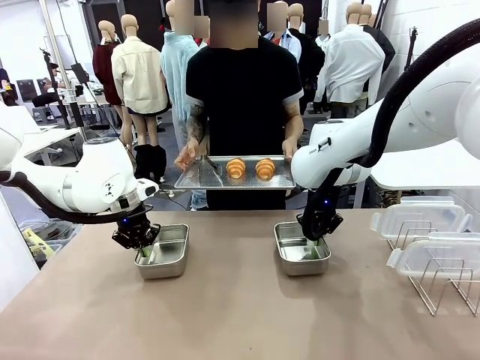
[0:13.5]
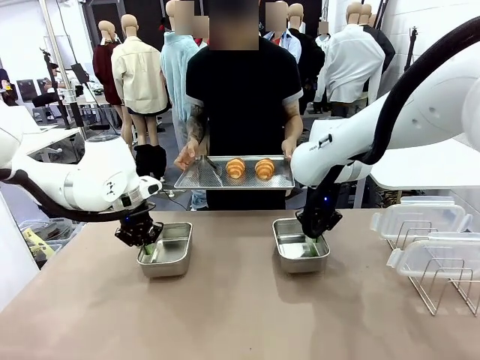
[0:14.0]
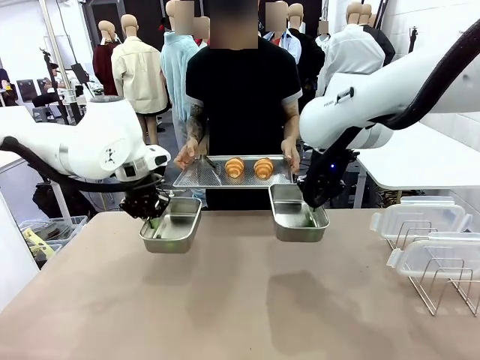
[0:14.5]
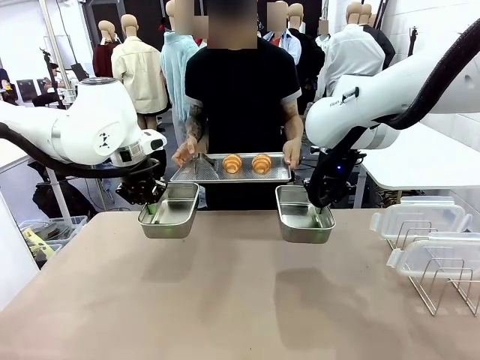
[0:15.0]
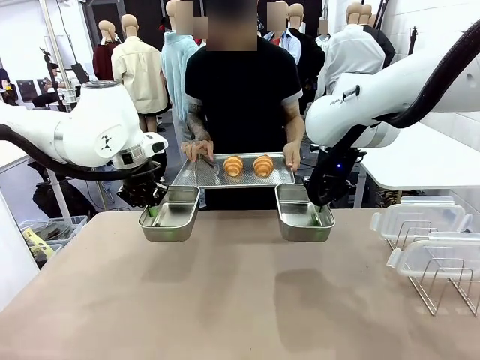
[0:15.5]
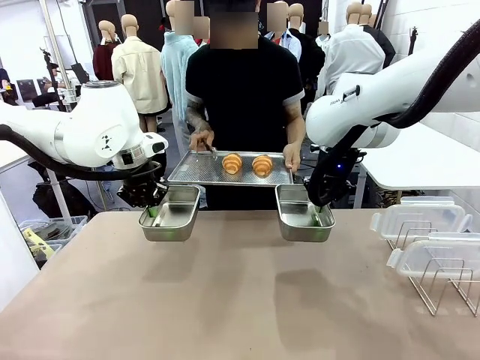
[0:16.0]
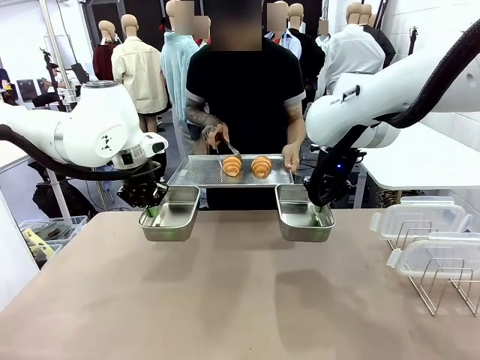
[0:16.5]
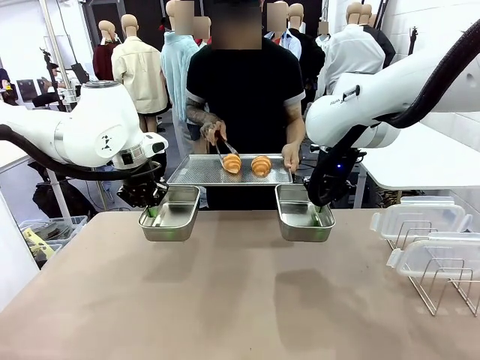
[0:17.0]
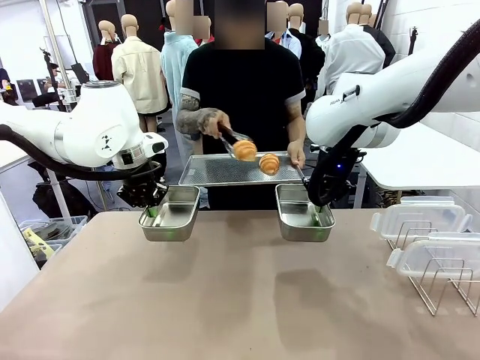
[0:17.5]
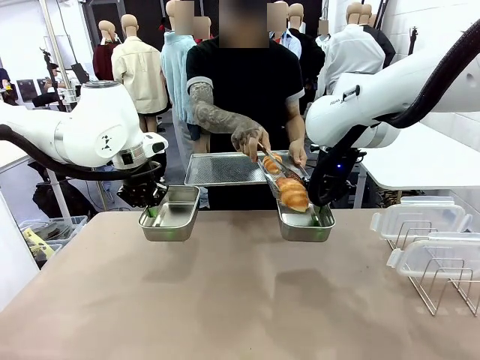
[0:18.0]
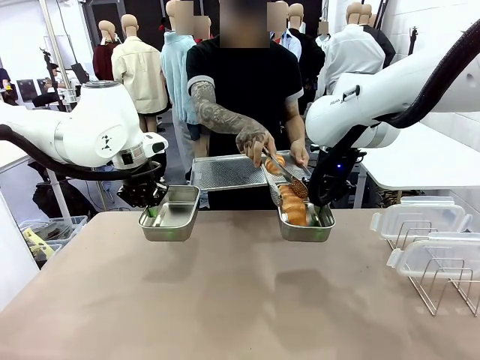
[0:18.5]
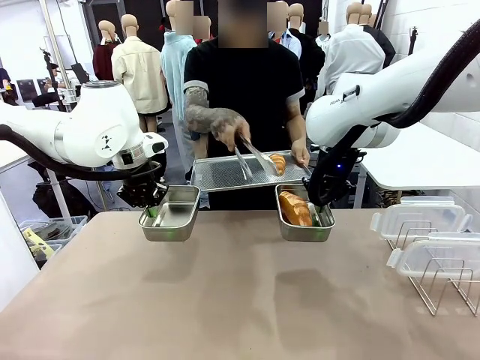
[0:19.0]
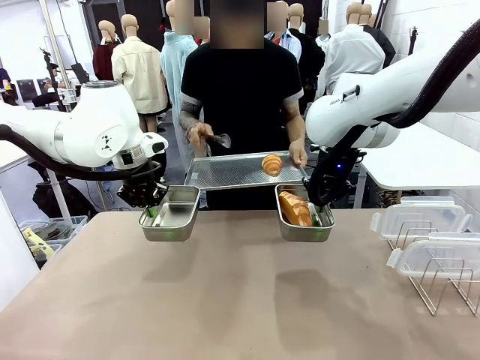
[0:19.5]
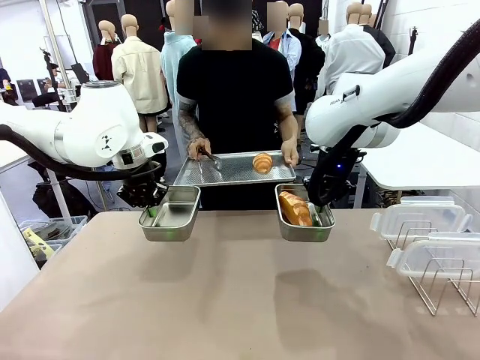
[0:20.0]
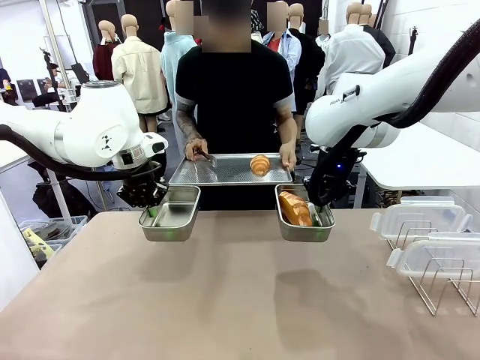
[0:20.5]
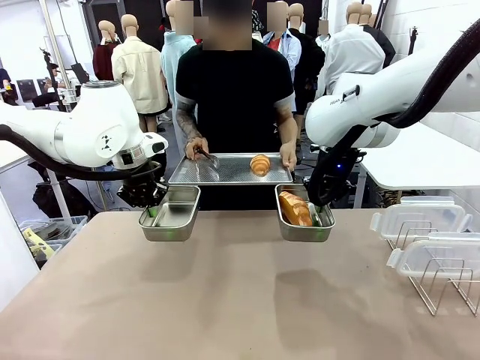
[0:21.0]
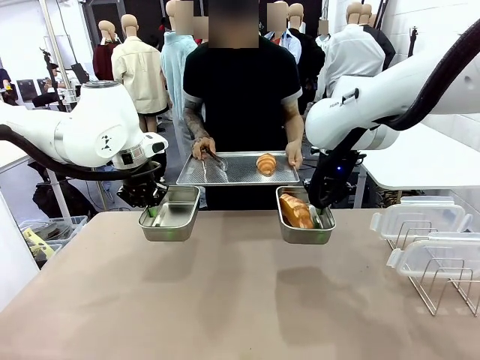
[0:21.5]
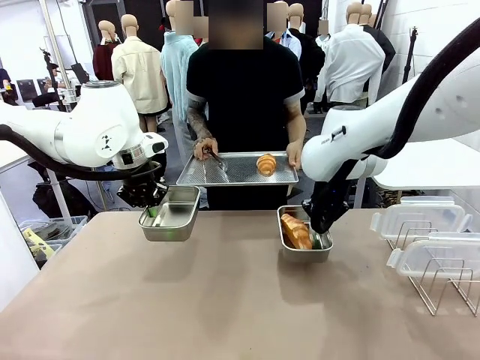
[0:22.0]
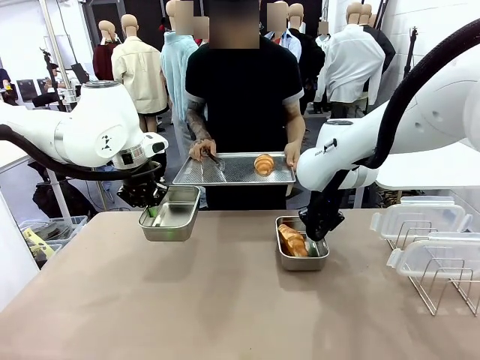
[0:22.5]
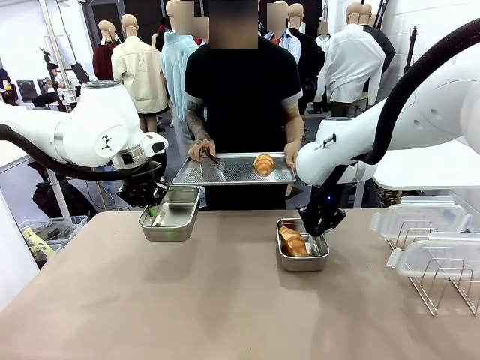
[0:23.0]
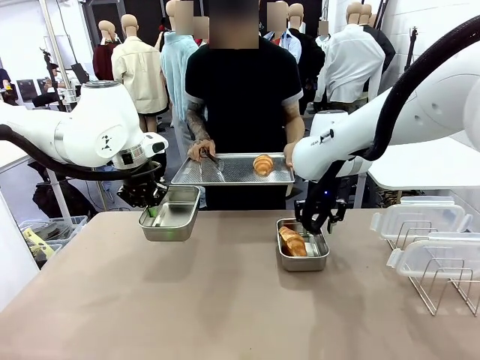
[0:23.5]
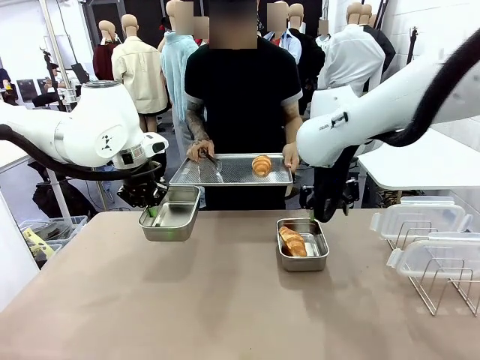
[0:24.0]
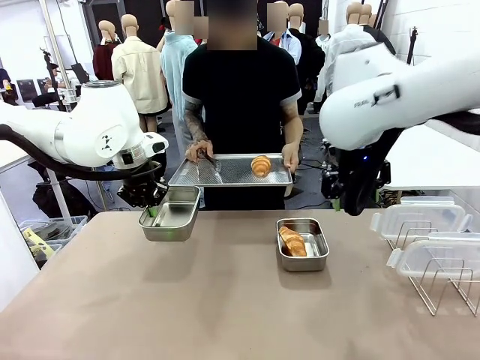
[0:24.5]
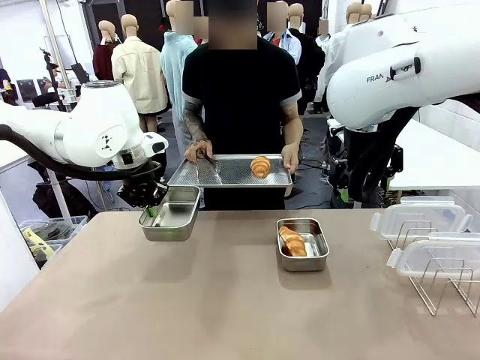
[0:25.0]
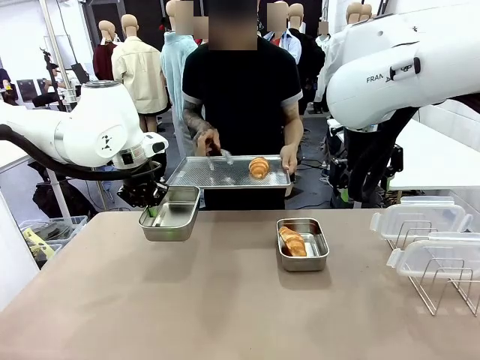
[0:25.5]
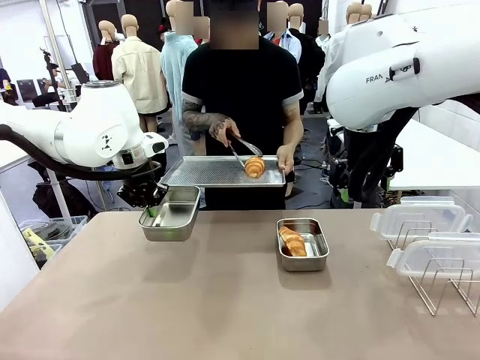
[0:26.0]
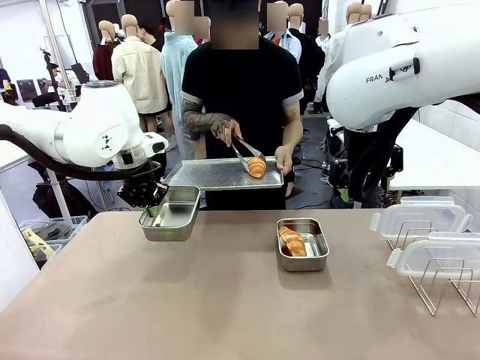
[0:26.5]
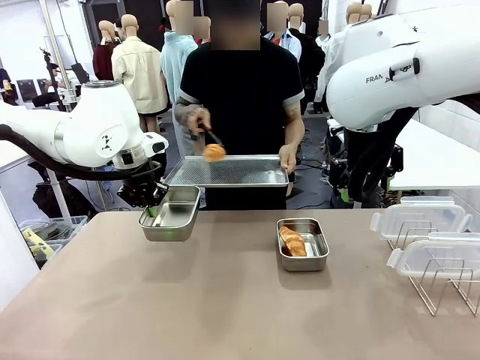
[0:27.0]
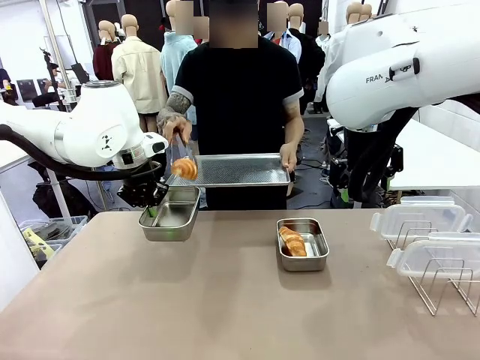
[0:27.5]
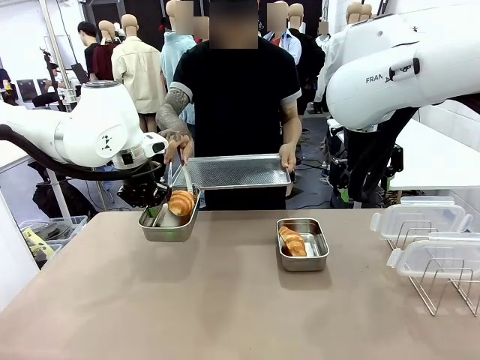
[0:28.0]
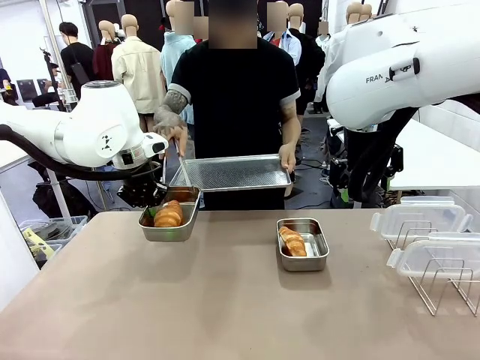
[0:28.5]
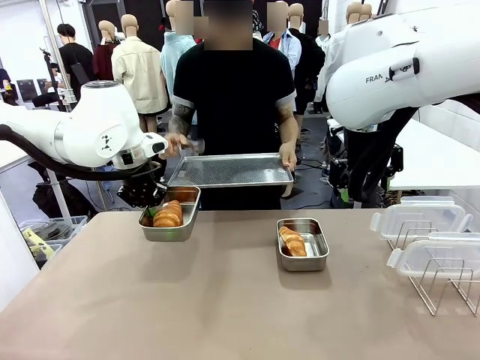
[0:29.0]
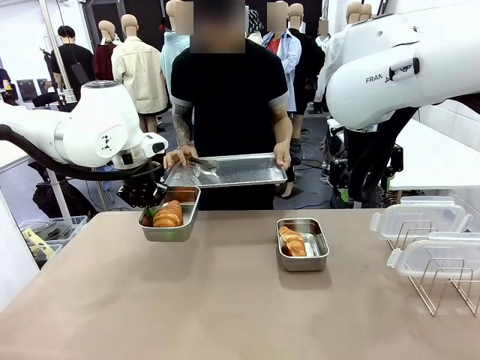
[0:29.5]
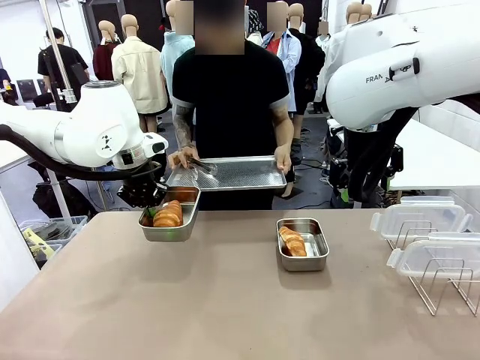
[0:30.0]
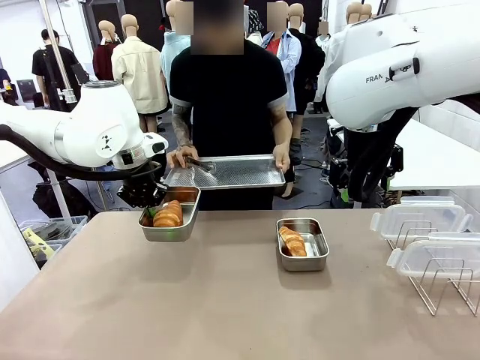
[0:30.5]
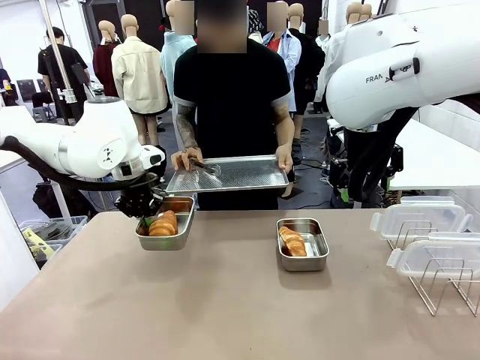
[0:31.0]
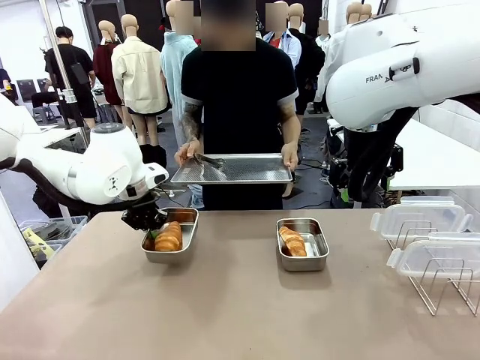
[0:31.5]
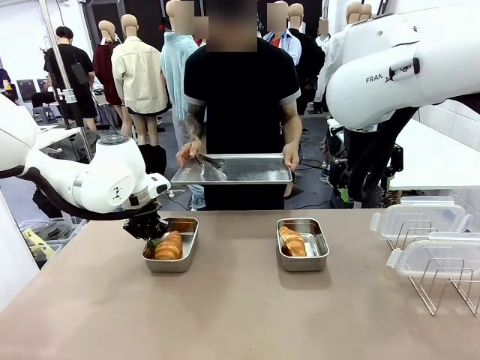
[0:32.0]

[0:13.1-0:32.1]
Task: Place the bread in airtight containers.
Robot: Once an object is inside an Airtight Container , place the container in the center of the table.
Person: Use the Stainless steel tongs to place one object from Baking Sheet into one Airtight Container.
